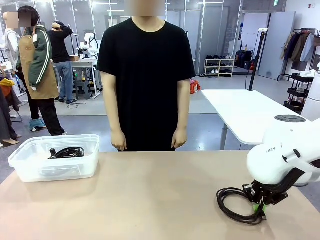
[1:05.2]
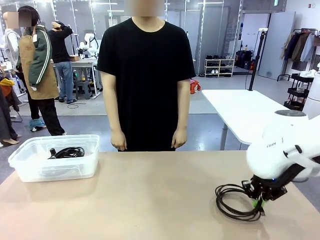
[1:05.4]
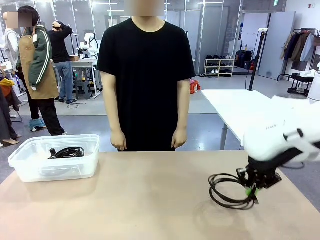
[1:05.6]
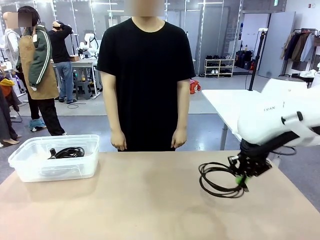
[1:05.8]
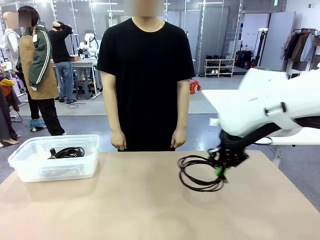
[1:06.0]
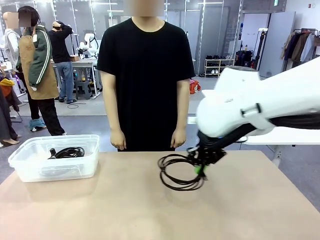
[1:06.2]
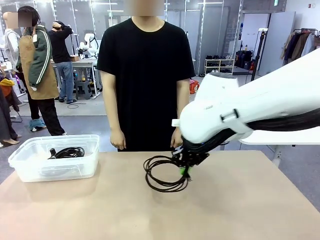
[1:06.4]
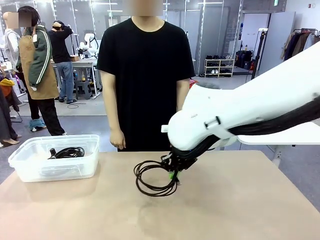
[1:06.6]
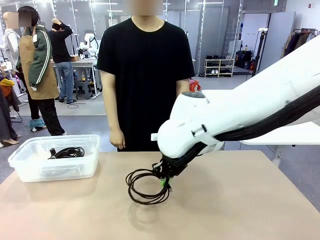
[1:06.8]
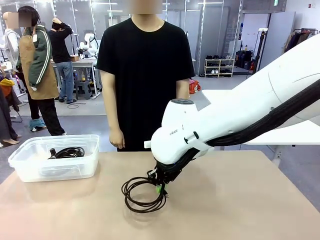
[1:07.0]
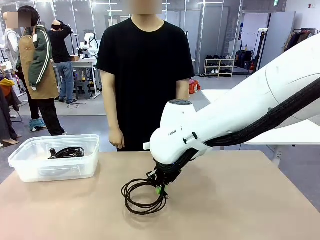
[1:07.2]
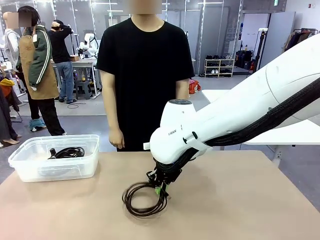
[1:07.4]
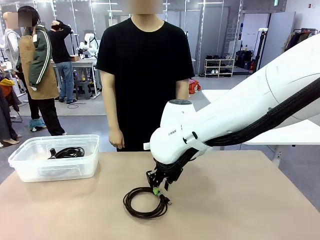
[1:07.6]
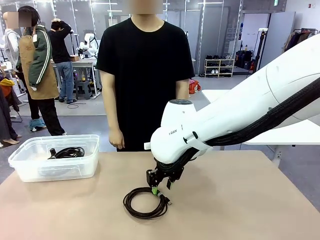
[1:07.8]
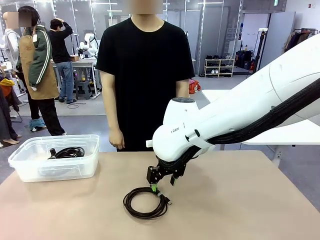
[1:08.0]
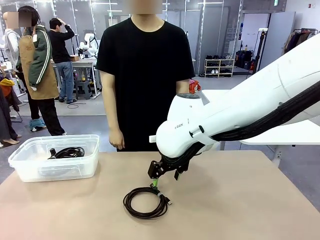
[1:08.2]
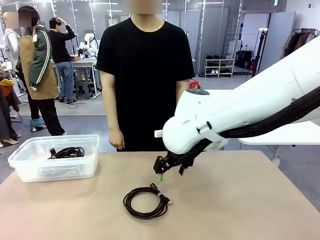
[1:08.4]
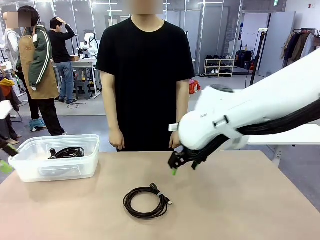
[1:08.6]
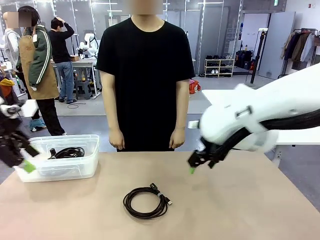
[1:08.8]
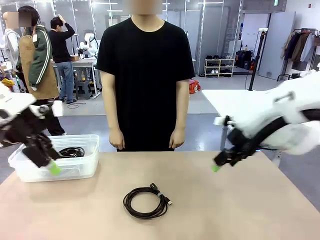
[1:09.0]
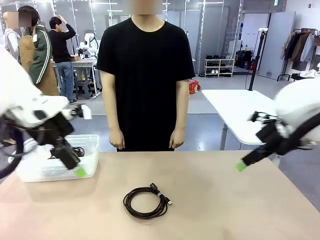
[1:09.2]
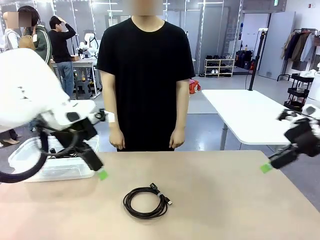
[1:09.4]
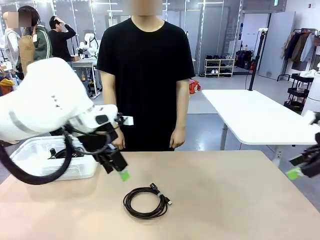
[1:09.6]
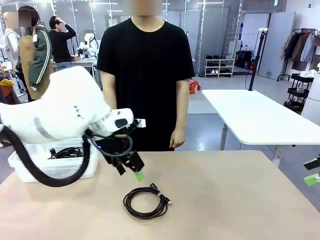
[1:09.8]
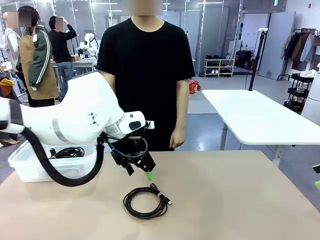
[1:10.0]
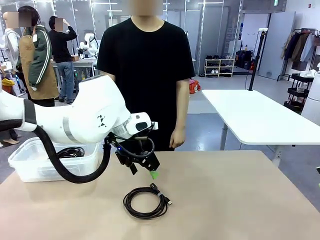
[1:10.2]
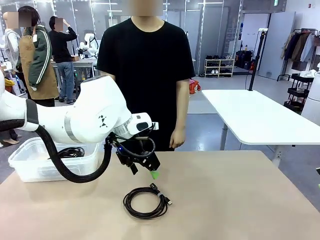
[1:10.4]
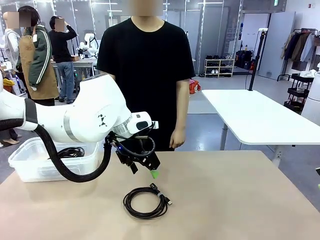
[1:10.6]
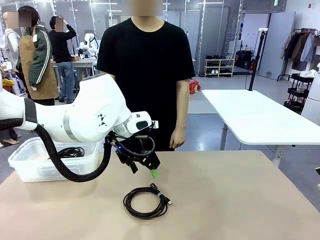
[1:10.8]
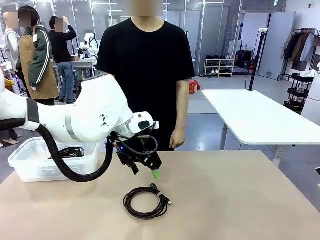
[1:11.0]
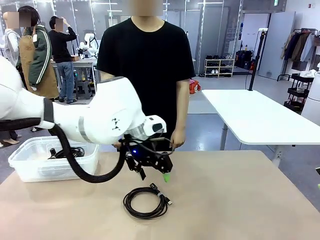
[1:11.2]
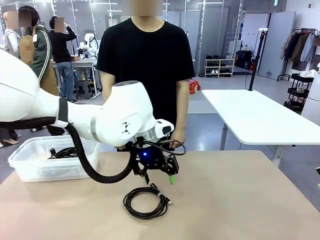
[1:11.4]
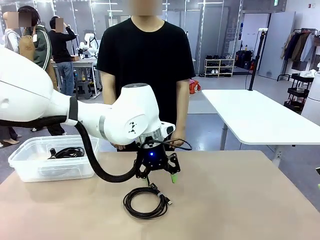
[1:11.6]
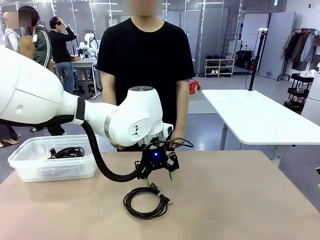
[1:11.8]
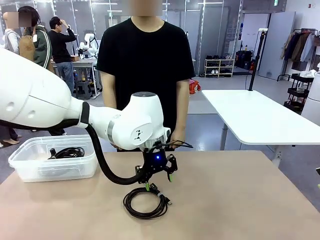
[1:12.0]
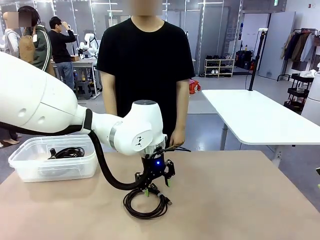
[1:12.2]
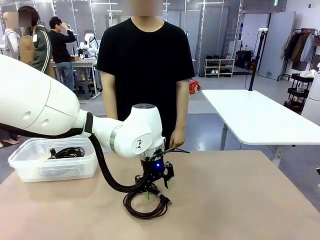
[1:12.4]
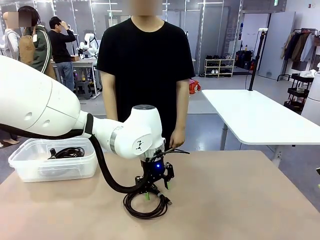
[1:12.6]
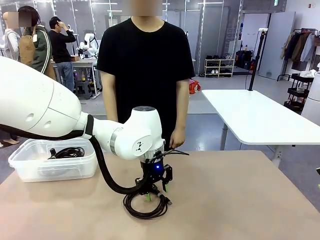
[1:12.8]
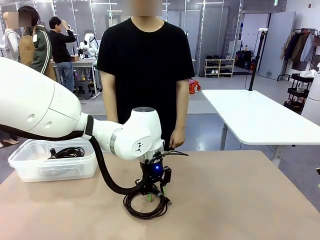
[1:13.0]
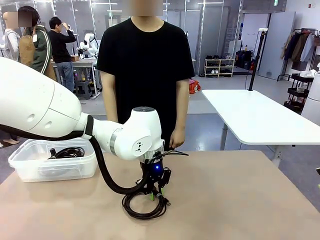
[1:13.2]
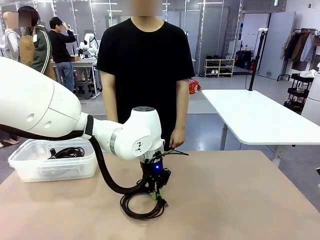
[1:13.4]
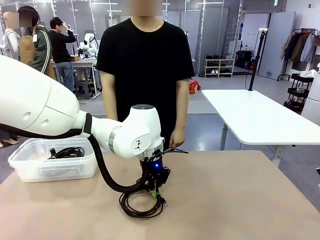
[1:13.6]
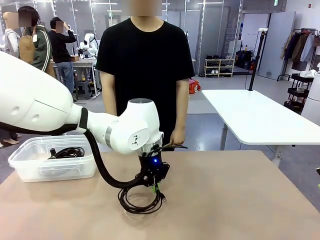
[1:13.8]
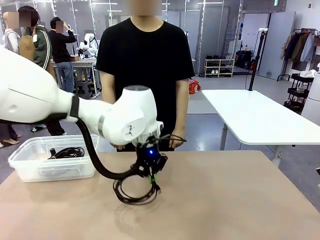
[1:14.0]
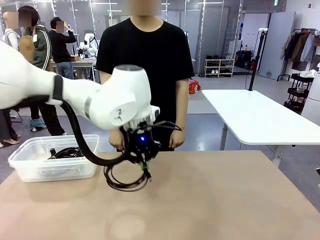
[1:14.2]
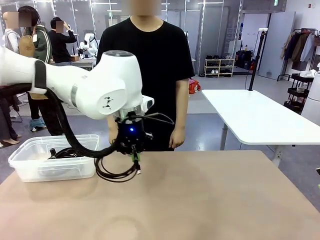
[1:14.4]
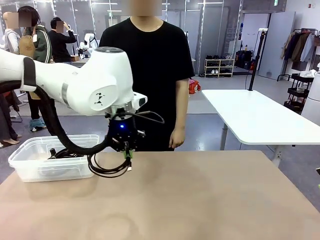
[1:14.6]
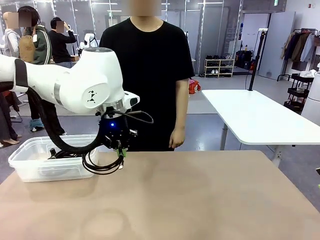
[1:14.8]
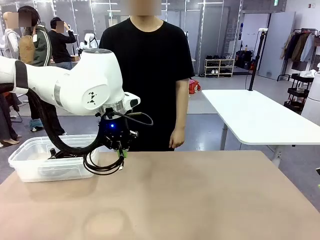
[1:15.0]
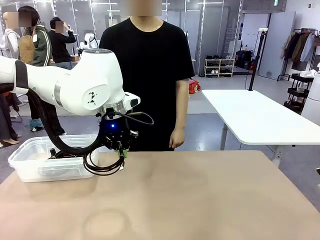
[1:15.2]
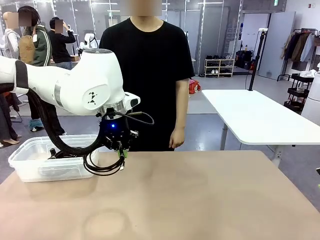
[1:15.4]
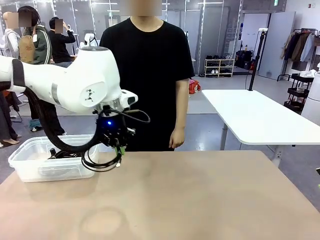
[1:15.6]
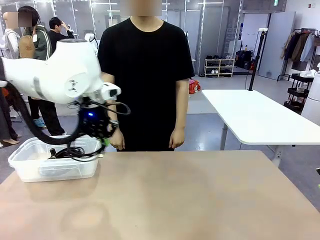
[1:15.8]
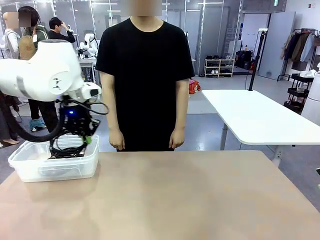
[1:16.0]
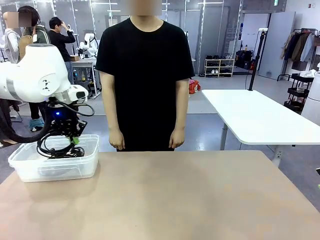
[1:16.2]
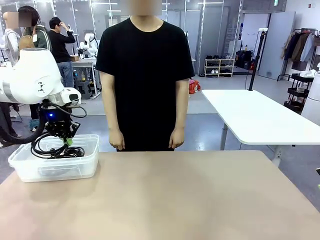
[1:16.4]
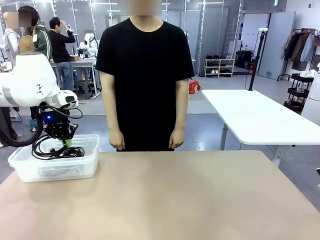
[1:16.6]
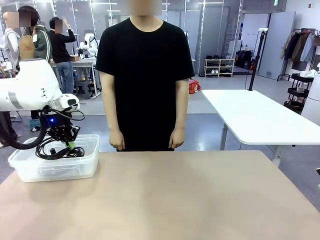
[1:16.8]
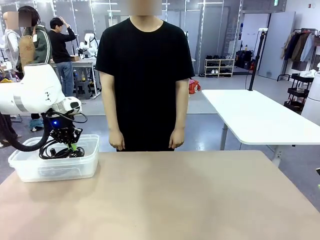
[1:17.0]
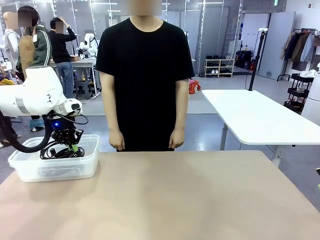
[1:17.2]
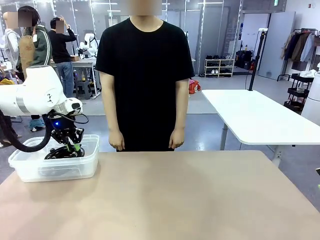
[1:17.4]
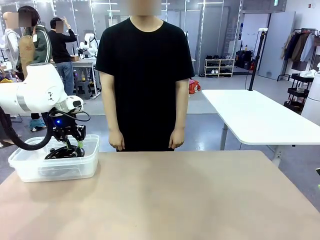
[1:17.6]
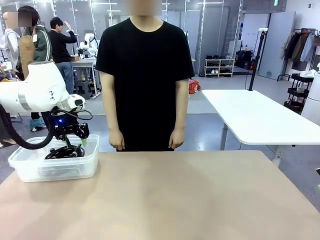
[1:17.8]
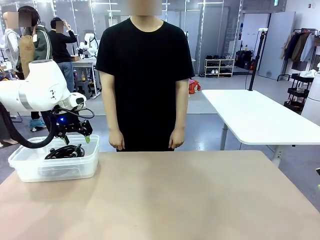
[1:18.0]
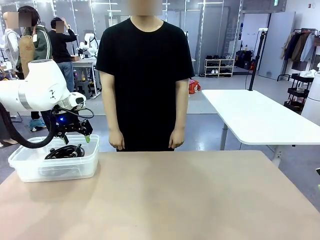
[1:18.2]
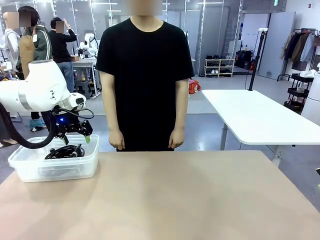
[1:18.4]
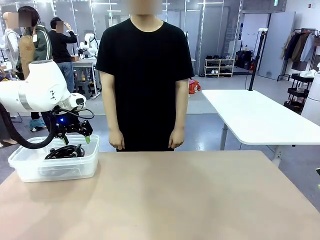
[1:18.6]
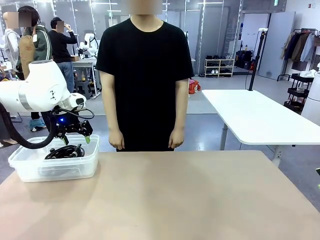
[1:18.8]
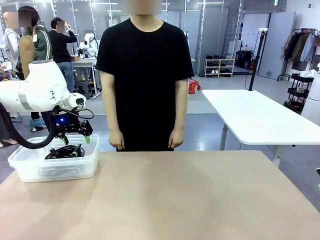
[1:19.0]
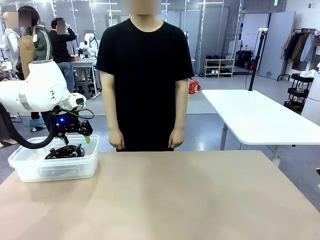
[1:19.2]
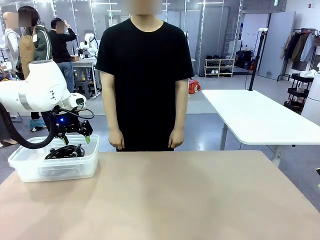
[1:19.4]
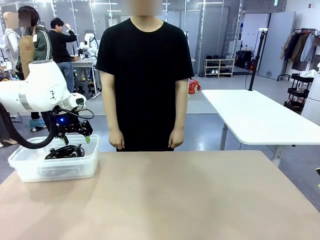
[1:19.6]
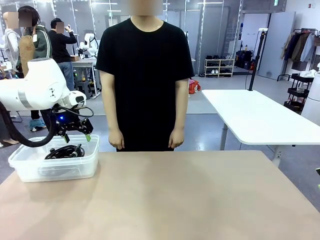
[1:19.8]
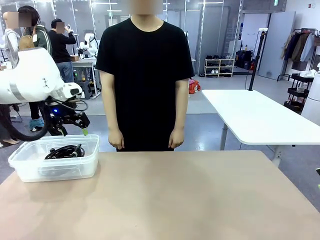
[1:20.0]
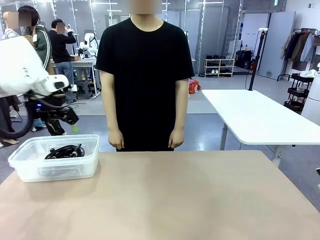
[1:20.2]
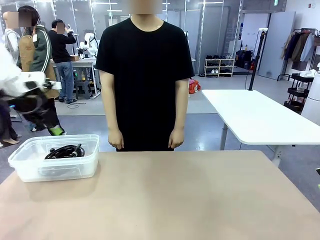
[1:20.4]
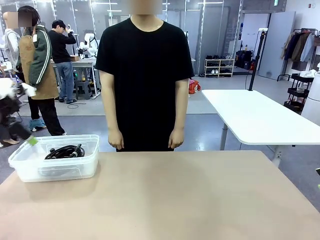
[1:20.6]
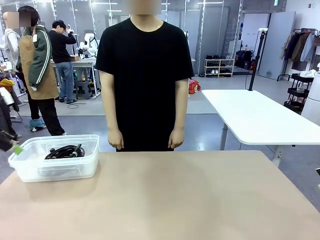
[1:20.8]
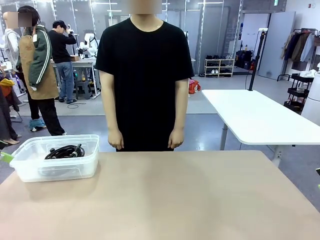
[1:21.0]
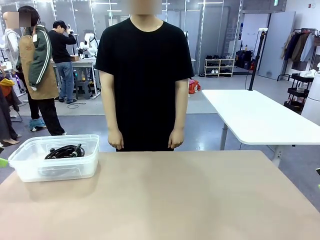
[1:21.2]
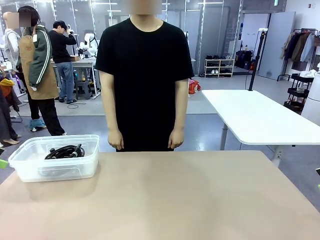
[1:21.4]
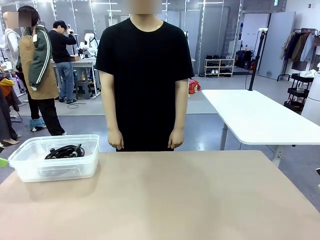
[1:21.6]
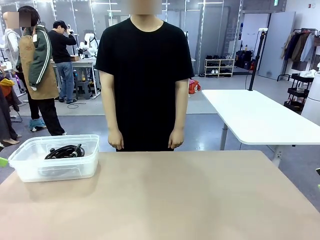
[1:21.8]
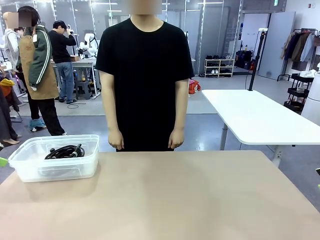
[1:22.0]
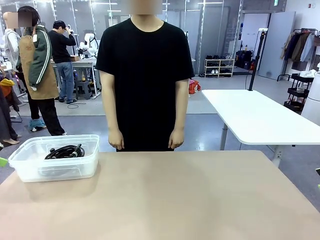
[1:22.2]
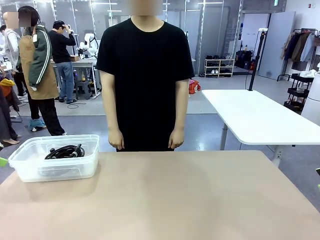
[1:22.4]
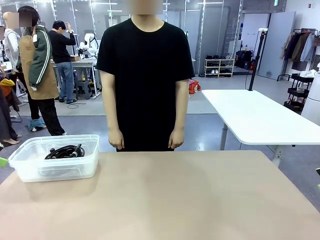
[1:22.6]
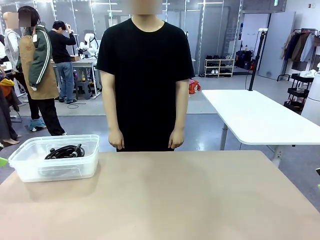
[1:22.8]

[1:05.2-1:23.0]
Task: Organize and store the cables.
Robot: Place the USB Extension Cable into the Organizing box.
